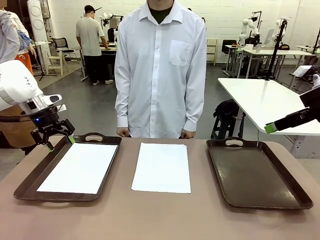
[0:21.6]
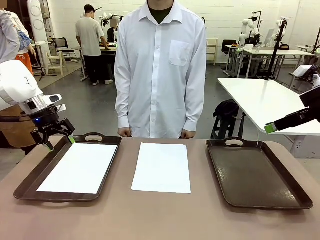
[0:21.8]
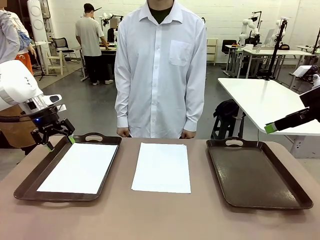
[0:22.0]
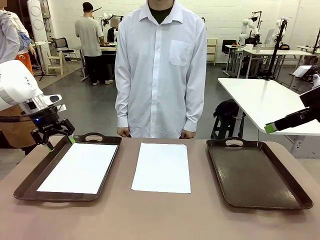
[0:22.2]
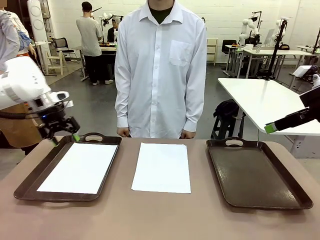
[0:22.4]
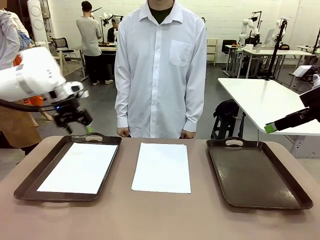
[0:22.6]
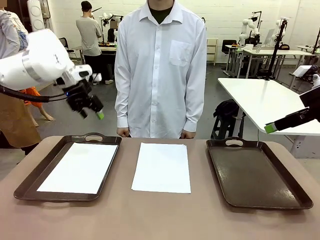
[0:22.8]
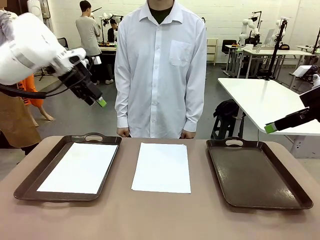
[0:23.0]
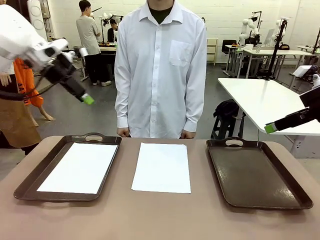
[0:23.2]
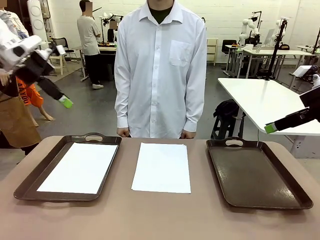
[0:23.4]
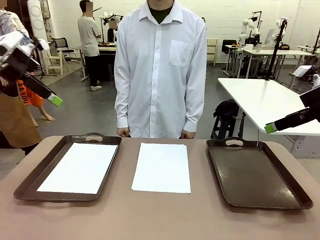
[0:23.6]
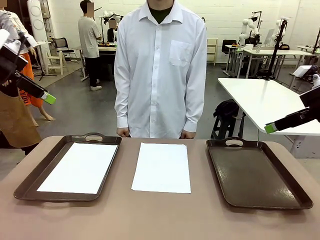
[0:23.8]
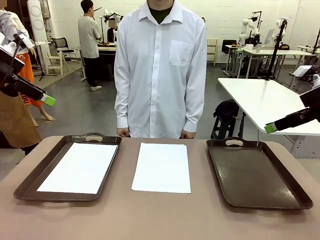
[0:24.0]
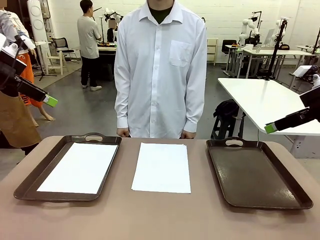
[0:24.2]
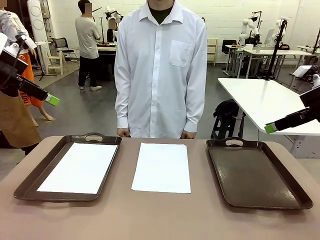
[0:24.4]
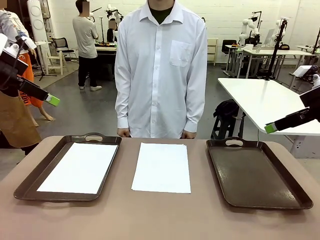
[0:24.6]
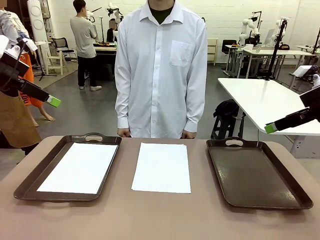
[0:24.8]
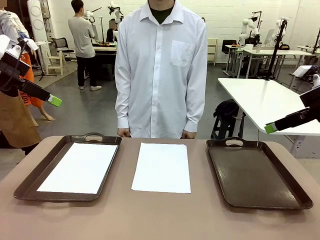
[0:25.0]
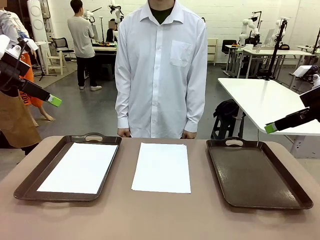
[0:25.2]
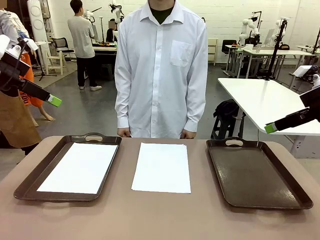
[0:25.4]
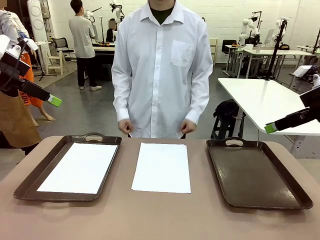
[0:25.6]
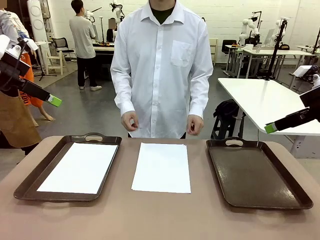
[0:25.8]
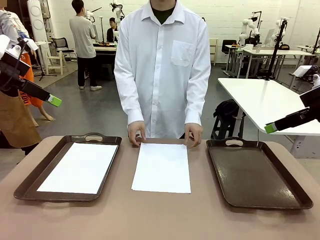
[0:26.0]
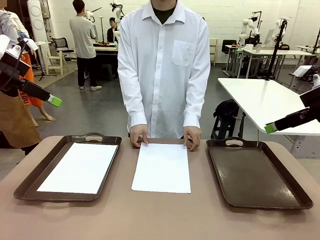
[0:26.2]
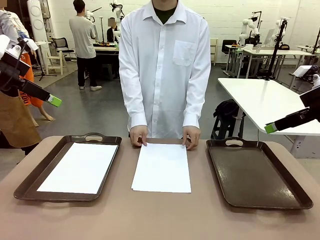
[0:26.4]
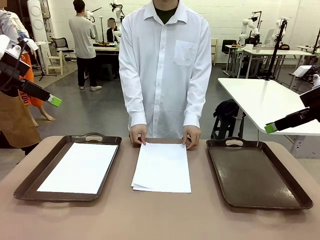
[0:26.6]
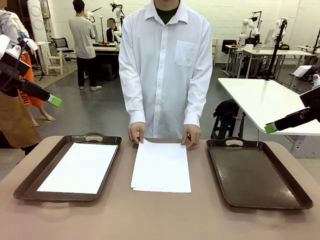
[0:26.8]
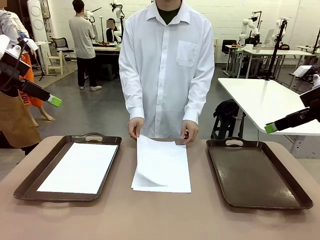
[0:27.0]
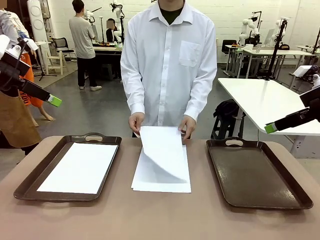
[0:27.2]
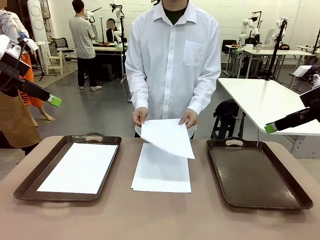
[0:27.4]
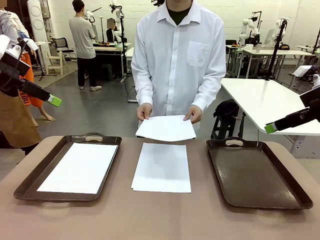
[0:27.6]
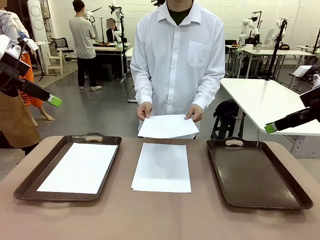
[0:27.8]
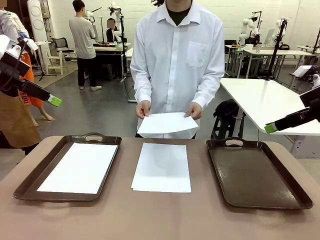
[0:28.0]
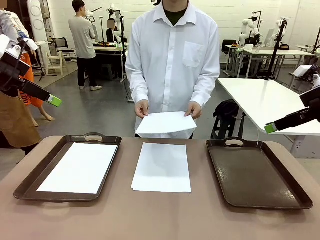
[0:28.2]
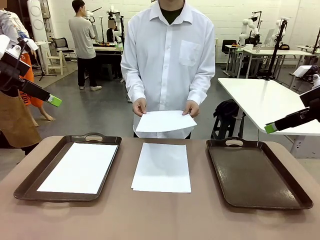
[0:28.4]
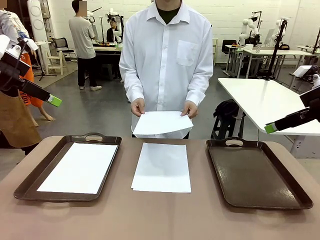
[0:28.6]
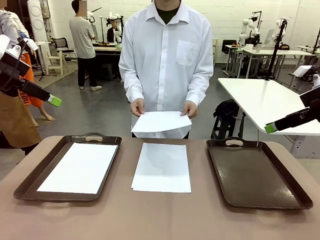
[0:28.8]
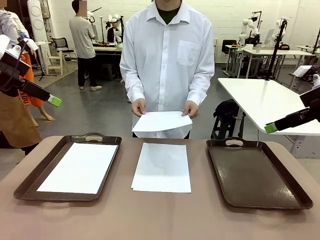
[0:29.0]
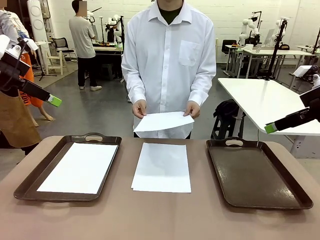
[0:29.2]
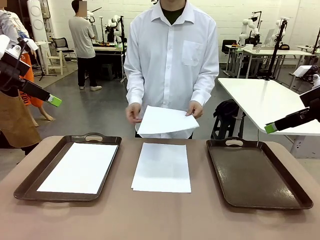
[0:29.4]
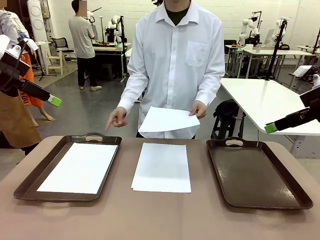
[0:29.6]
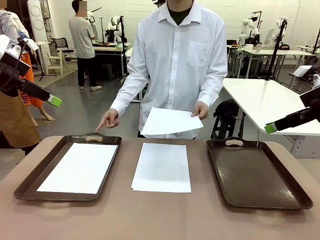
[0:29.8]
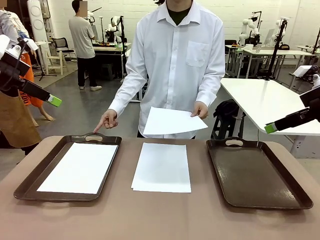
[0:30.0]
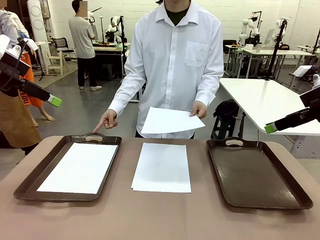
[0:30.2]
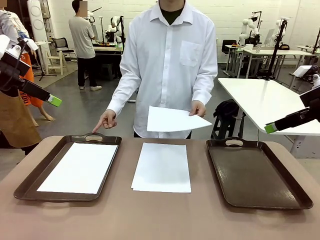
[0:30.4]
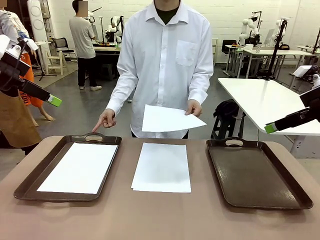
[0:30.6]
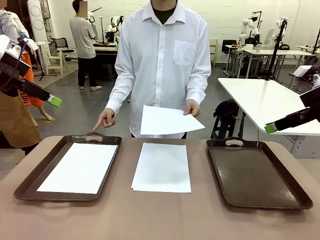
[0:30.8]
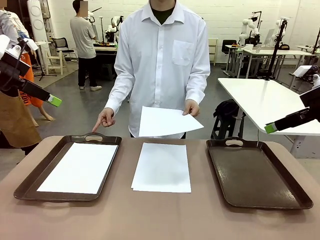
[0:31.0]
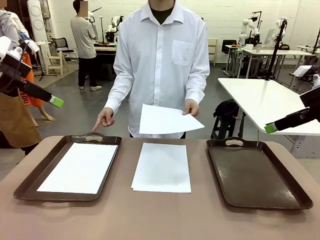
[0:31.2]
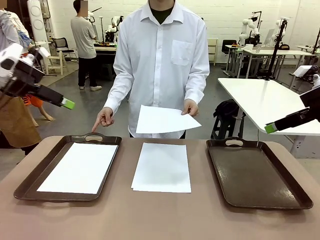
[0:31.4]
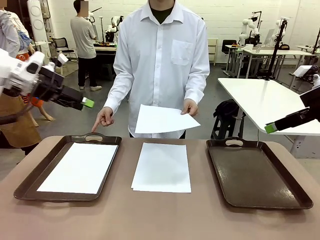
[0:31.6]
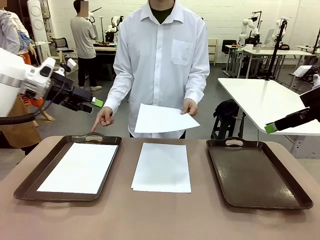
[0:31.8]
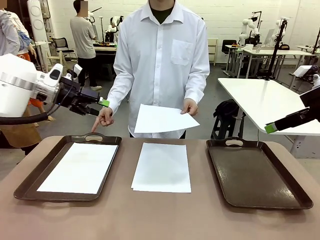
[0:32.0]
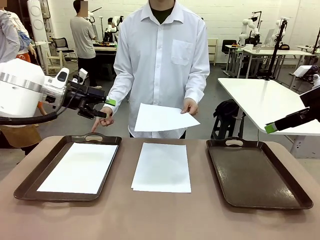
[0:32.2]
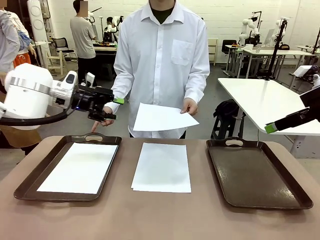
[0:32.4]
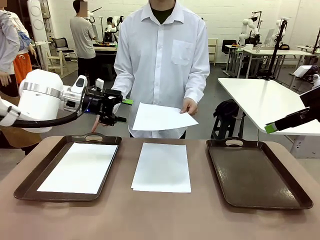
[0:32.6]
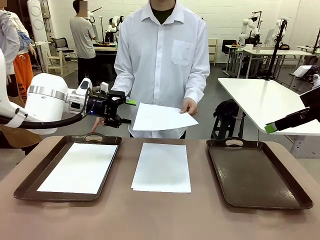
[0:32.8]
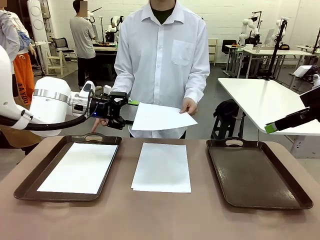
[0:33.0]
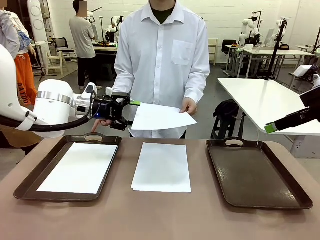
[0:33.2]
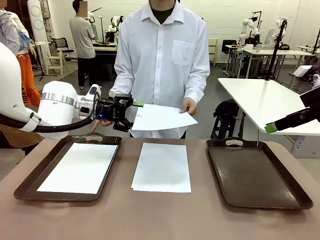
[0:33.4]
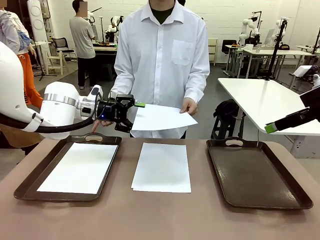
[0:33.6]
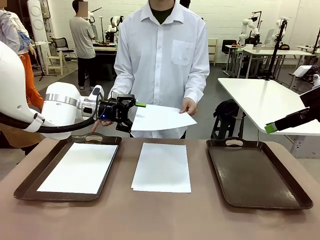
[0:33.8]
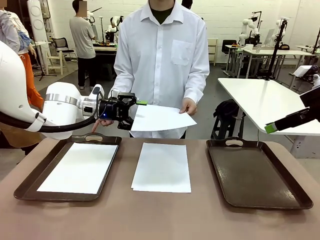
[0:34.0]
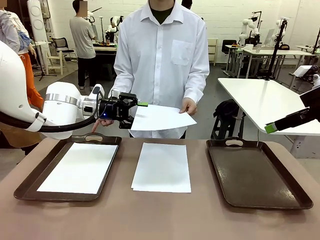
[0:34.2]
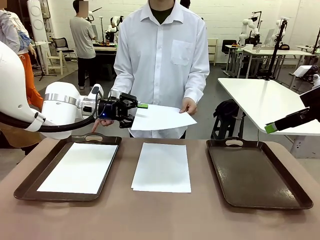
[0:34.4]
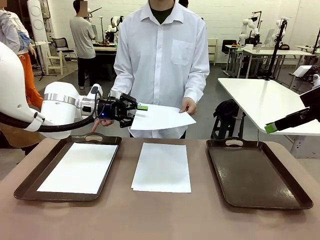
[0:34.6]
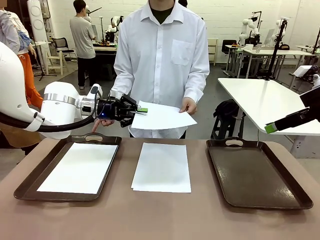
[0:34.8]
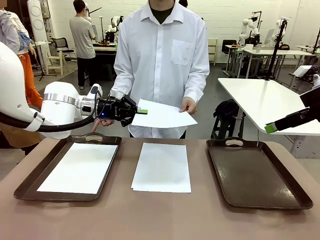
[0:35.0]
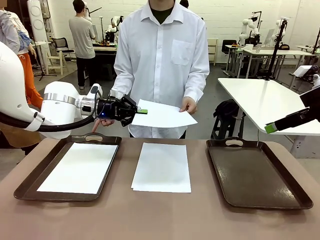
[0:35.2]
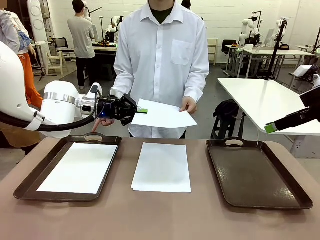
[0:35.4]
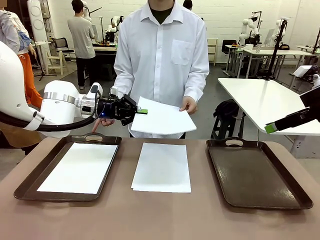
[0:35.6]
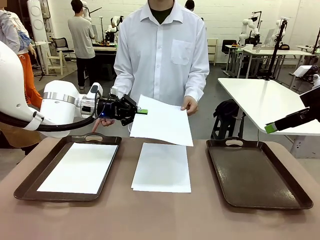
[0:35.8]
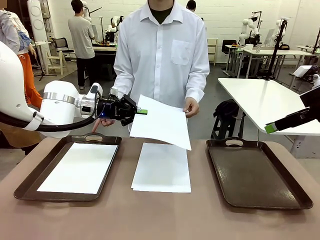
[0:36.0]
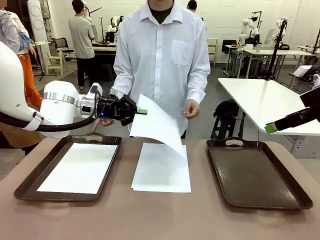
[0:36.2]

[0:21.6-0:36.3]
Task: Sort the A4 documents.
Robot: Receive the A4 Paper.
Person: Point the randomly selected tray with the other hand.

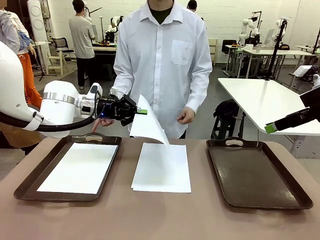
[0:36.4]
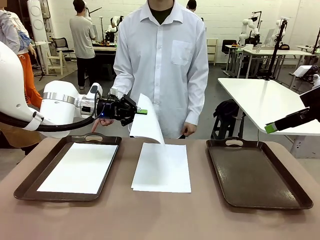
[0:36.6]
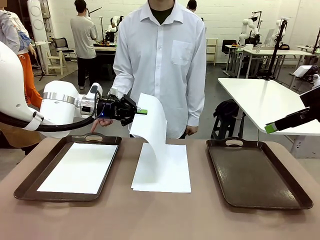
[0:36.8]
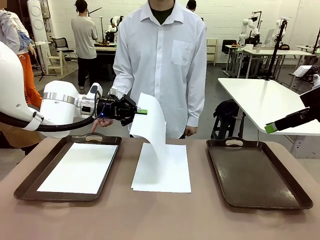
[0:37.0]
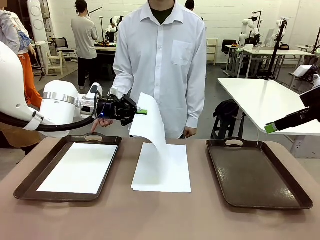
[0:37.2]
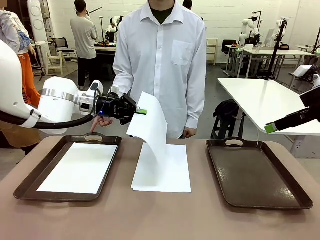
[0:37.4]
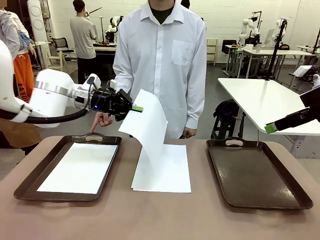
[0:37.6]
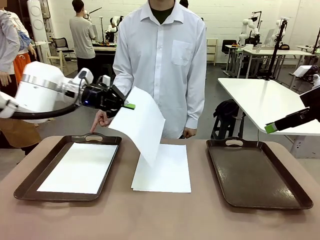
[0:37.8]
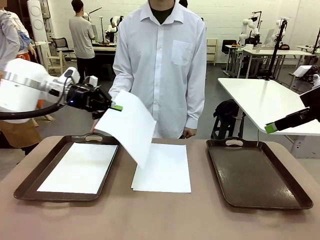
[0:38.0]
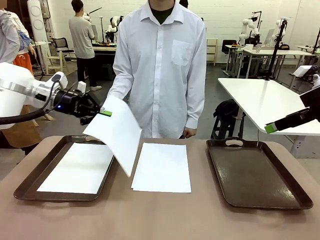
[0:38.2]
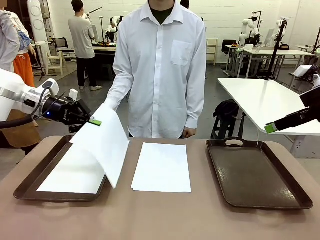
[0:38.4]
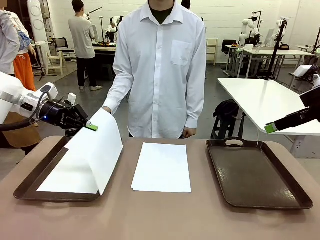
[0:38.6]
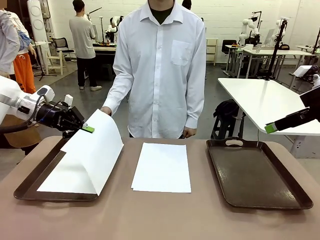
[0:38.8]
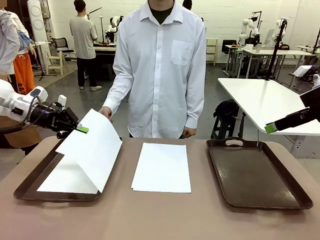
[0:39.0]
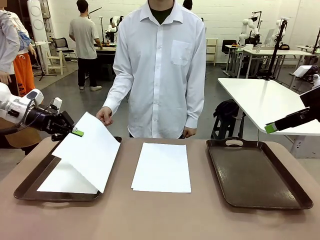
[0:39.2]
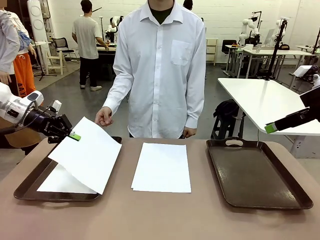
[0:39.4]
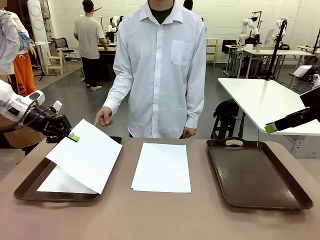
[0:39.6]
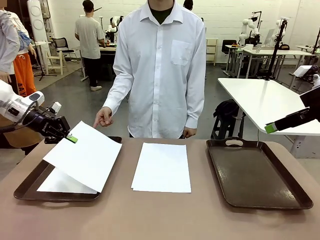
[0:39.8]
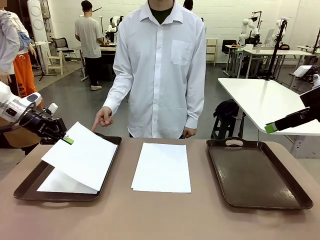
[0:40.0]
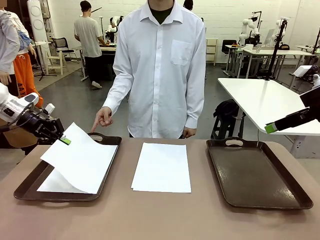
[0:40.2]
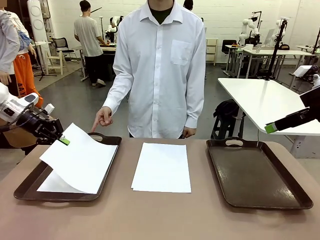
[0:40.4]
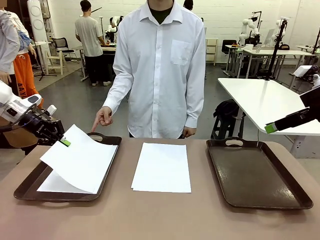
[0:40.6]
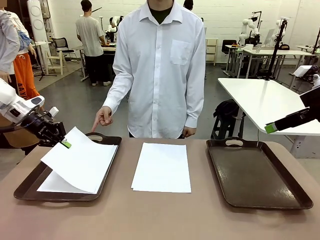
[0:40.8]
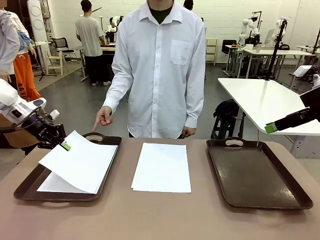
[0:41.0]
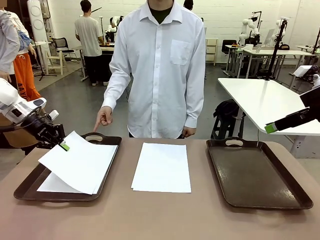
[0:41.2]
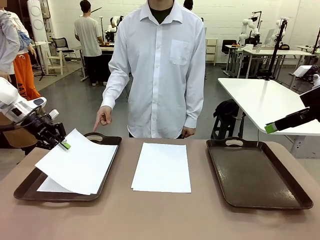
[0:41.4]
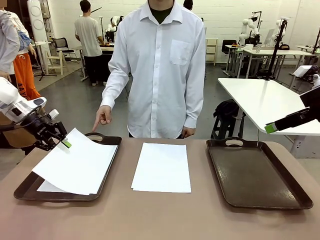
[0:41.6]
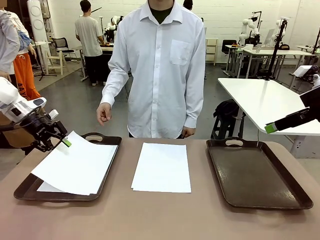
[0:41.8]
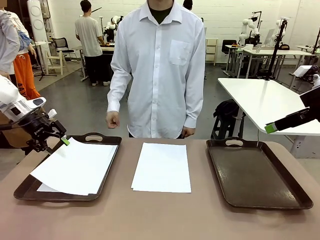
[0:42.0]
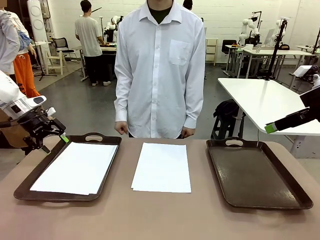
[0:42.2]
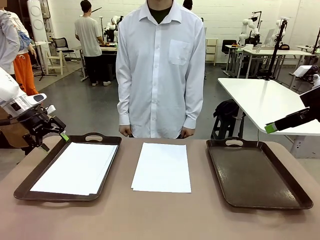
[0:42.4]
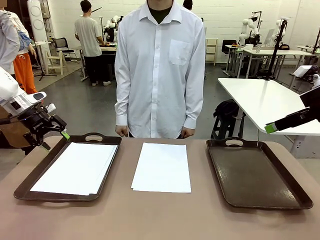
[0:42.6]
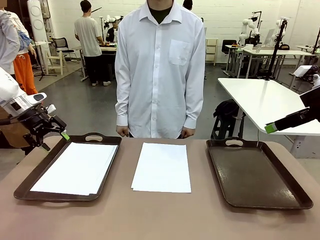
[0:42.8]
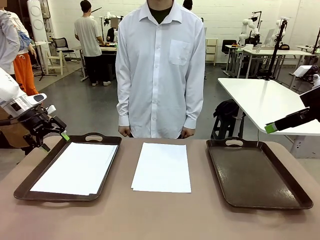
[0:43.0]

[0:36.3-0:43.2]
Robot: Place the A4 Paper in the designated Handle tray.
